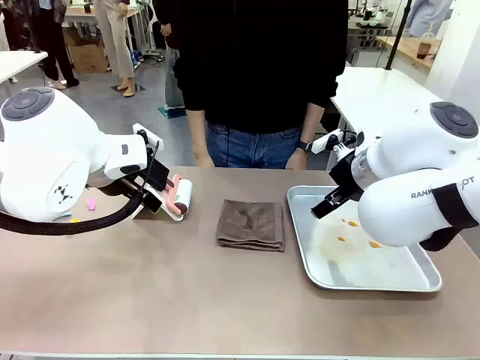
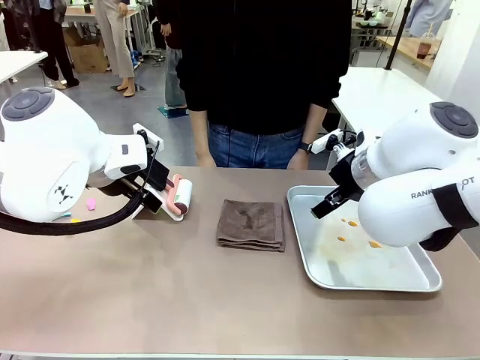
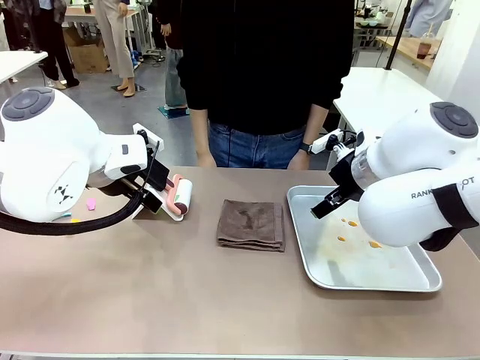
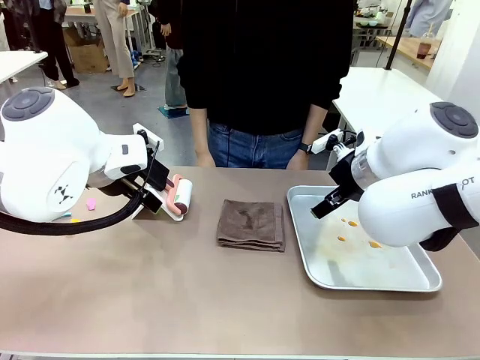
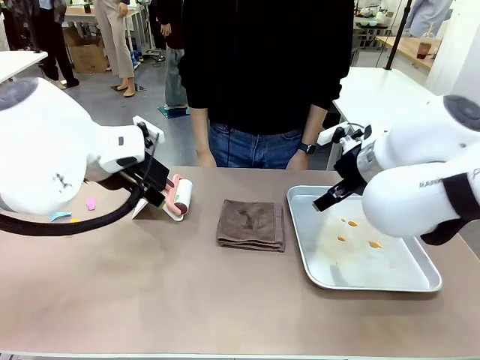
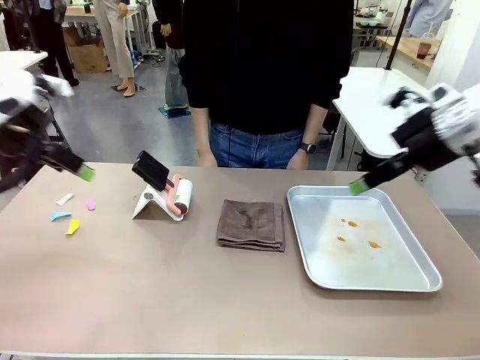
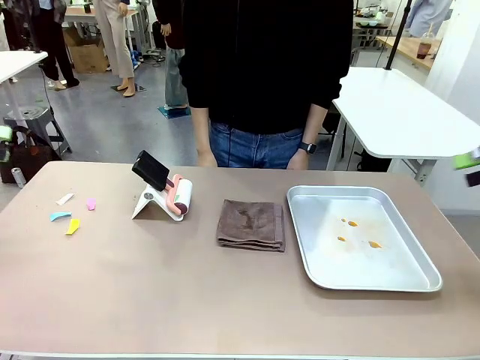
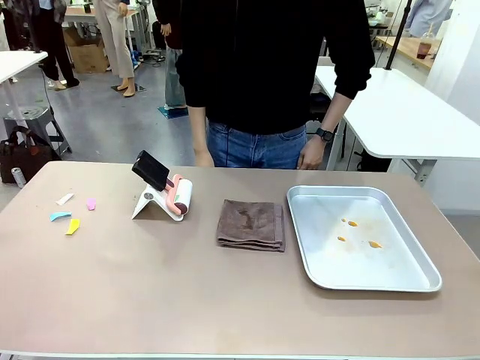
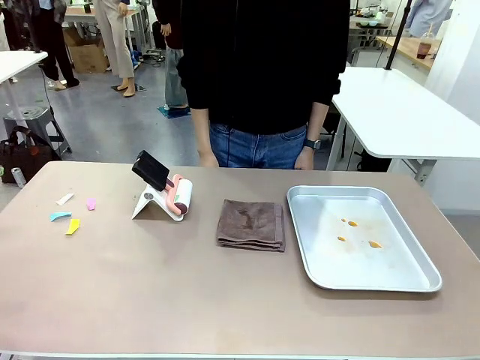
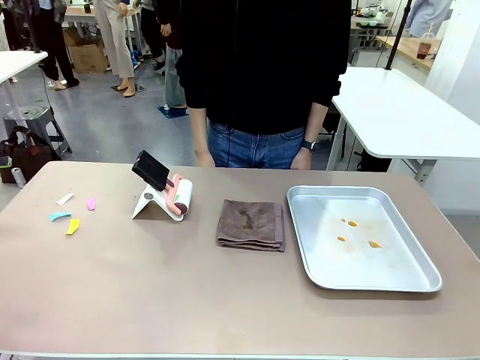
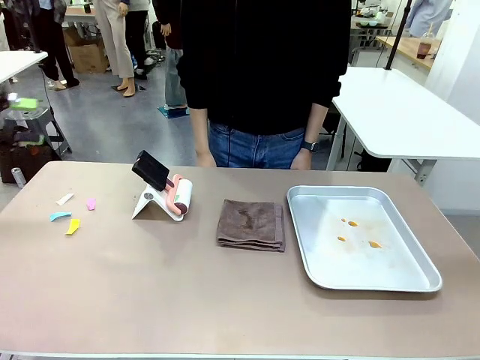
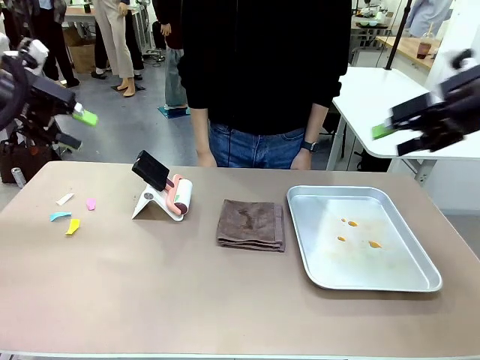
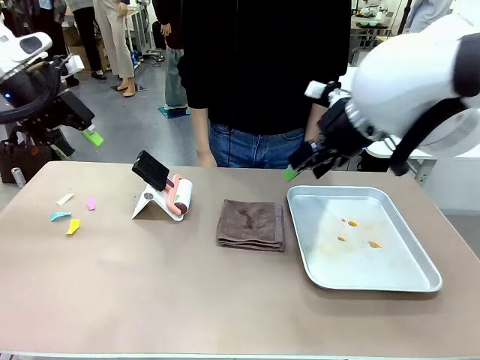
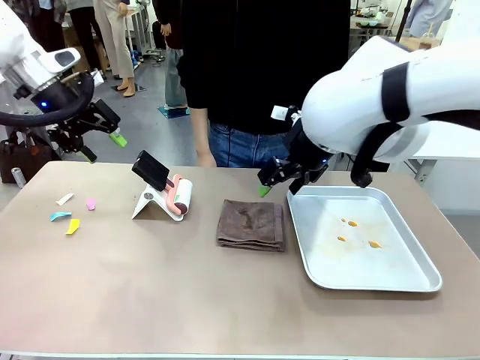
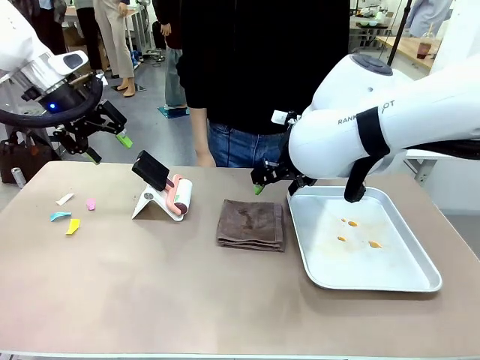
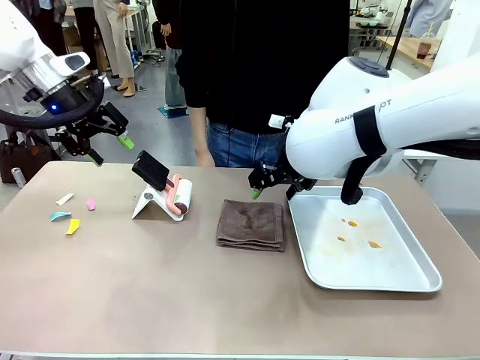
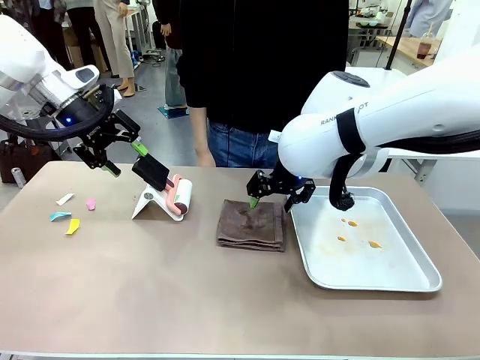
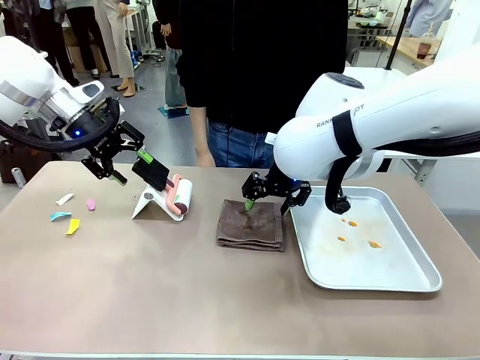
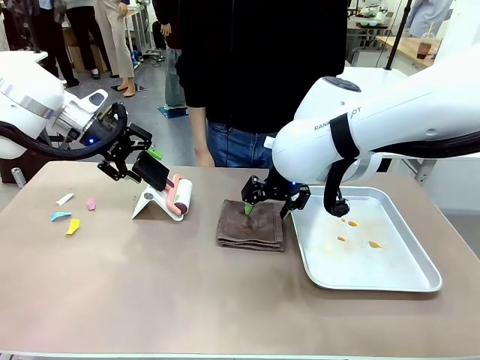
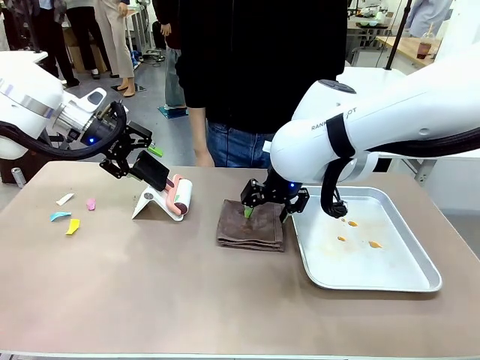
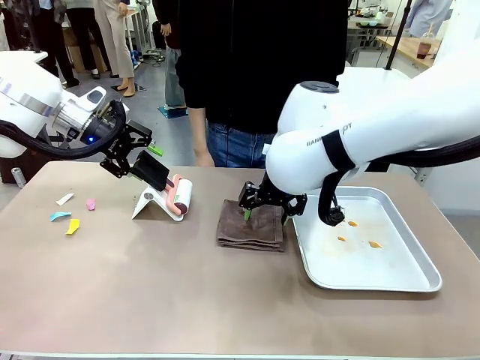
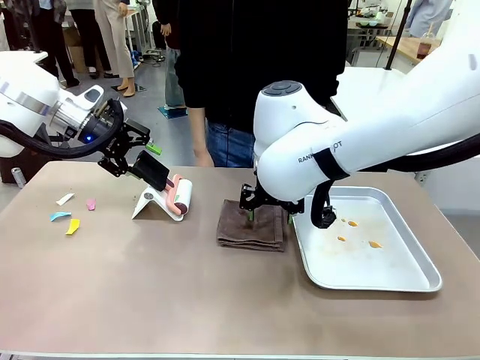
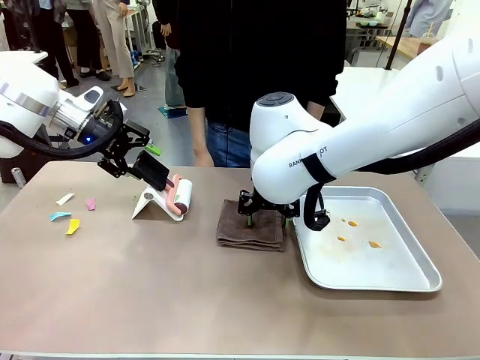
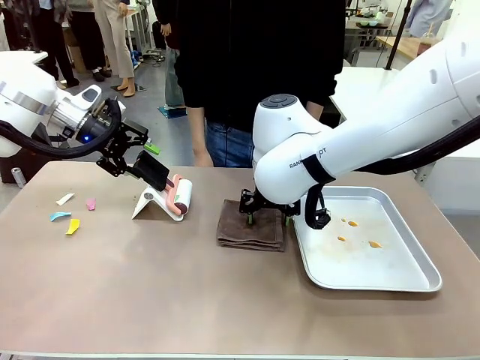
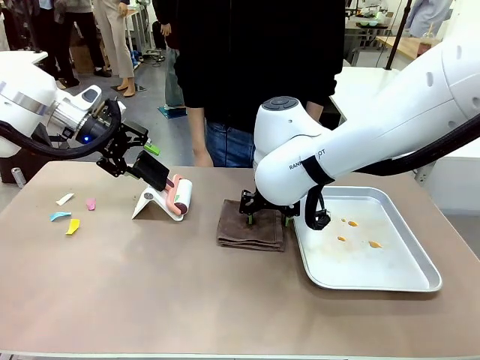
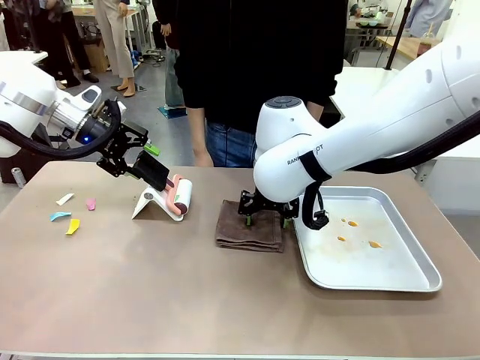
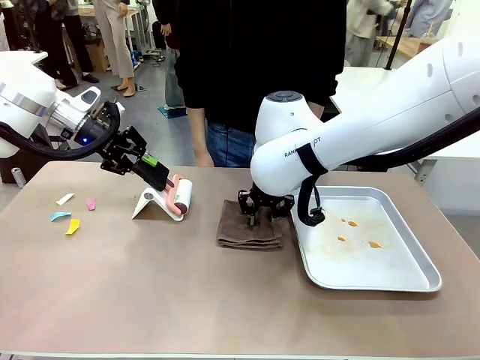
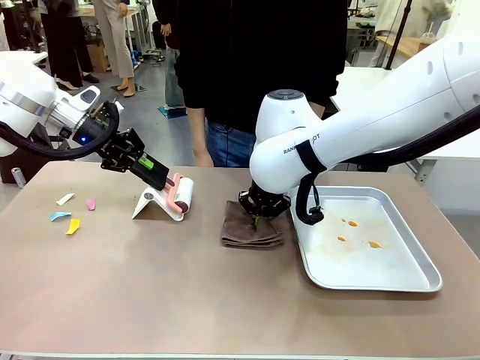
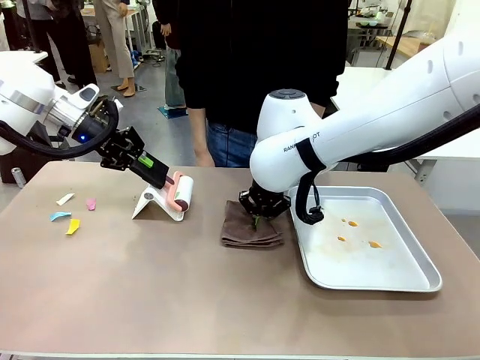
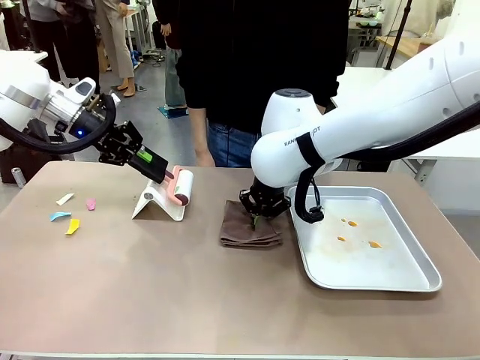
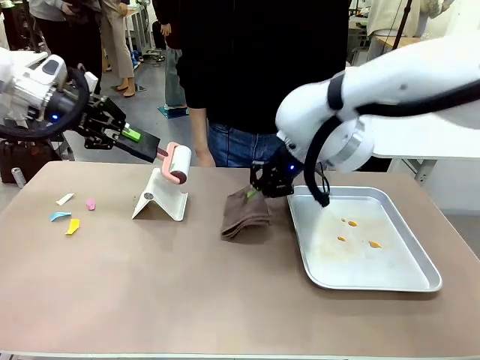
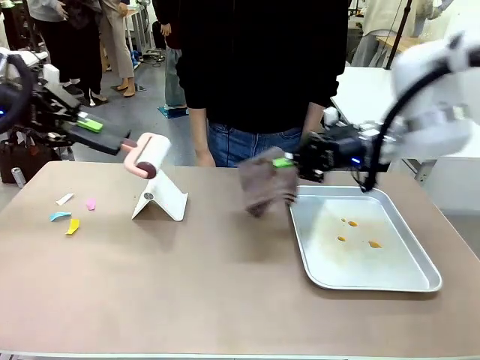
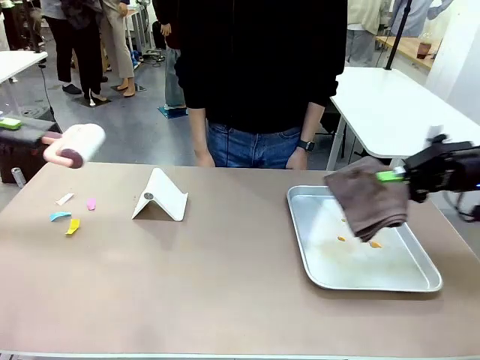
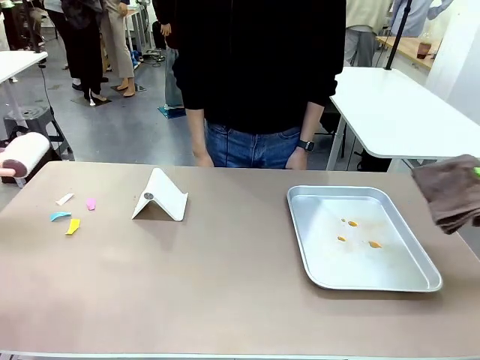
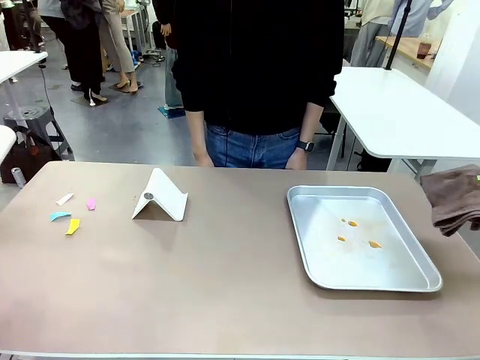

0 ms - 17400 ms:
Task: Clean the surface of the table.
Robot: Hold the Lint Roller with your left hand and the towel with your right hand.

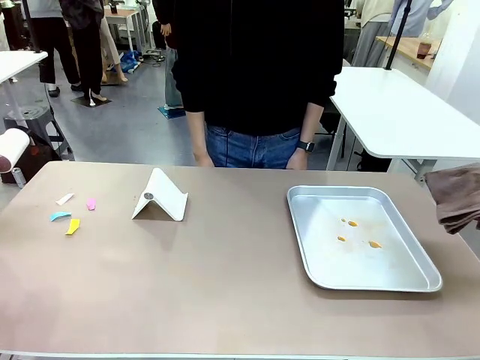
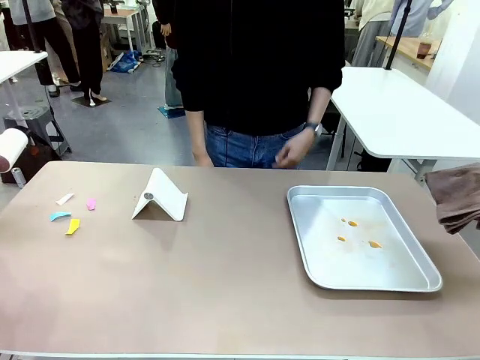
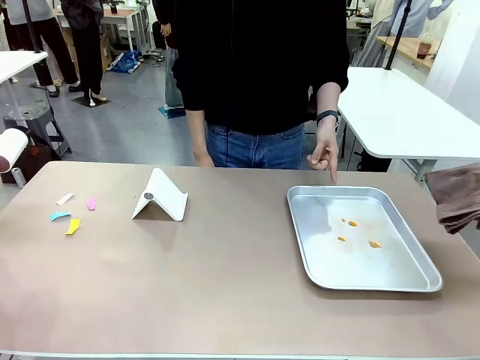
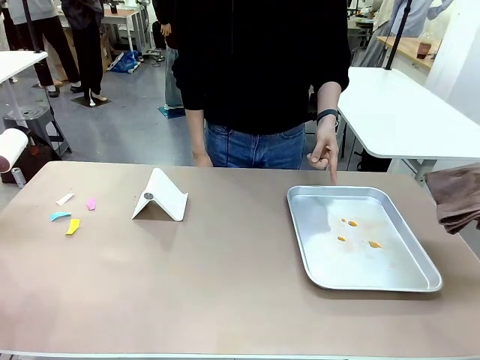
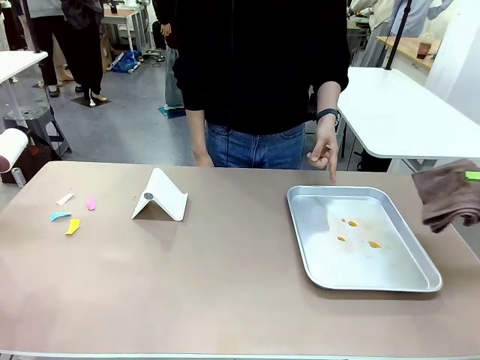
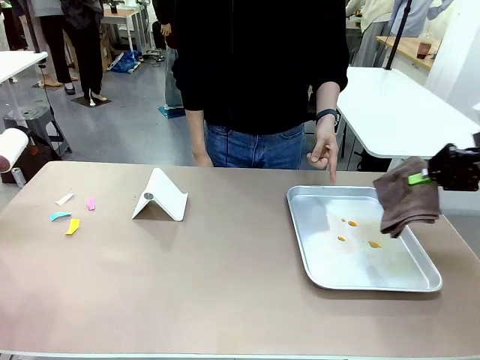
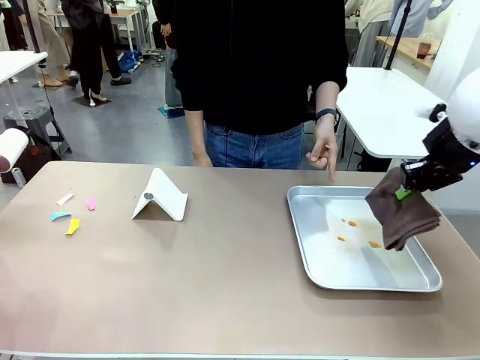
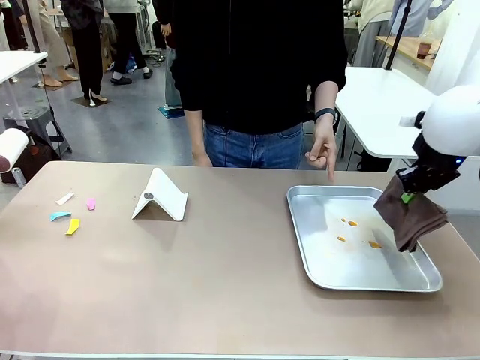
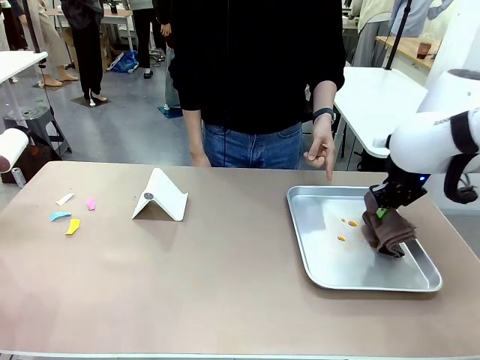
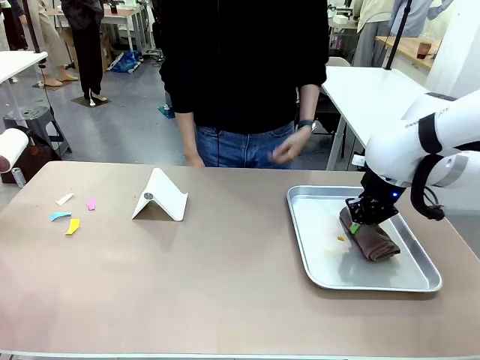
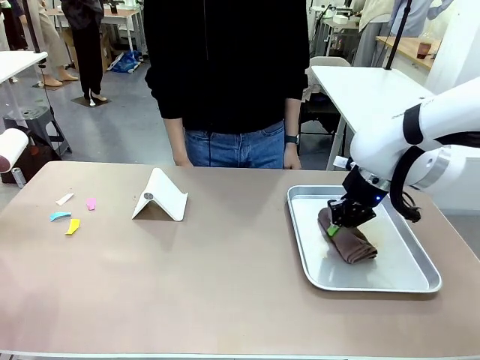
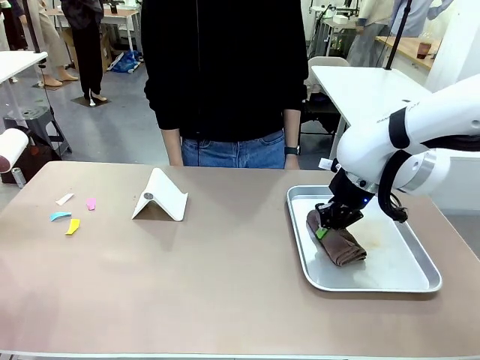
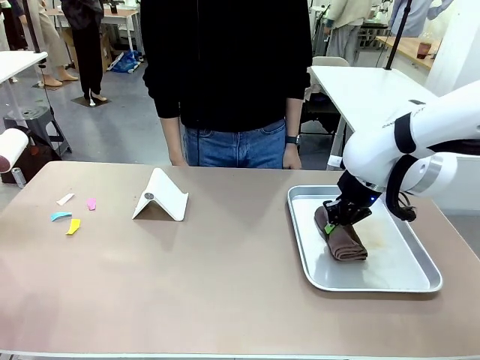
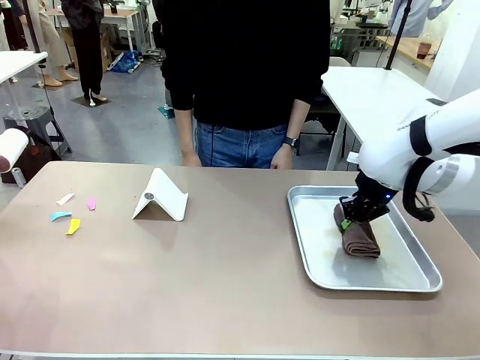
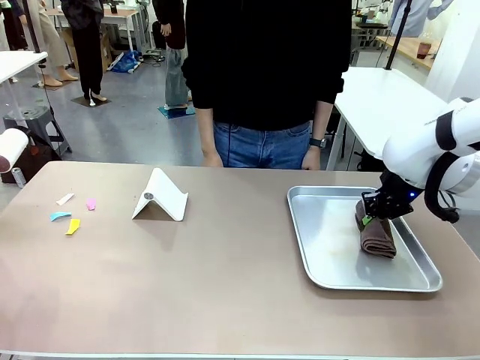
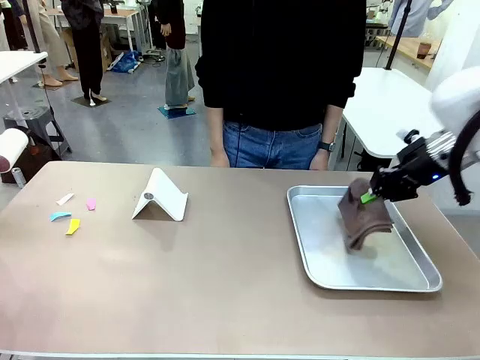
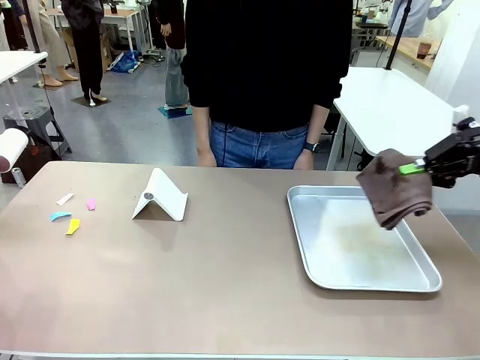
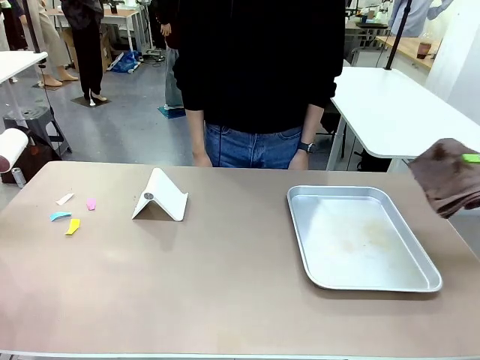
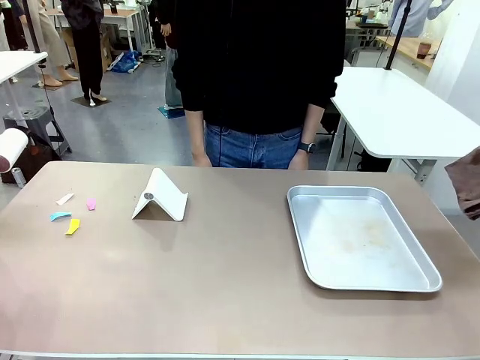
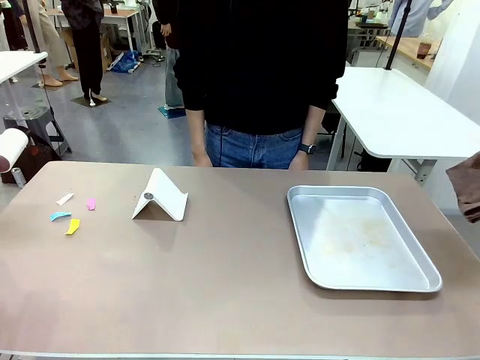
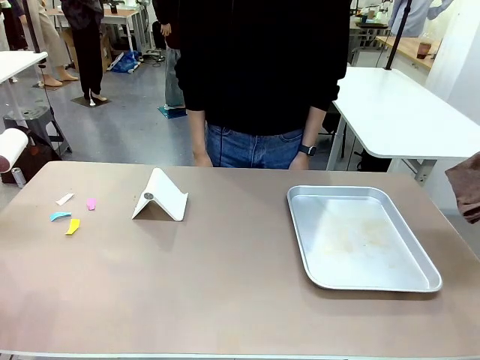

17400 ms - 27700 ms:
Robot: If a person points to the right, clean the right side of the table with your right hand, and if they point to the left, clean the left side with your left hand.
